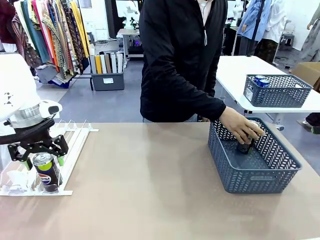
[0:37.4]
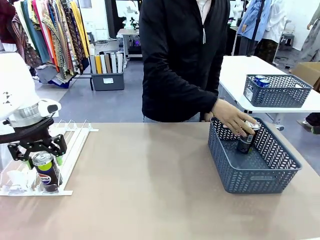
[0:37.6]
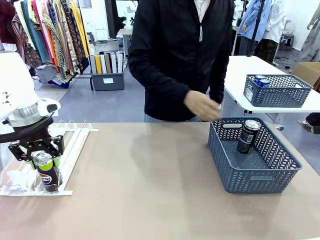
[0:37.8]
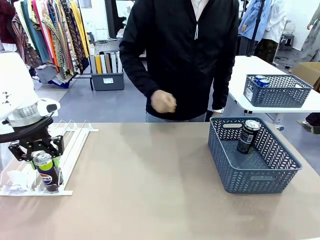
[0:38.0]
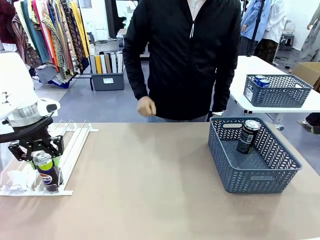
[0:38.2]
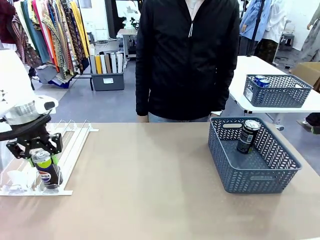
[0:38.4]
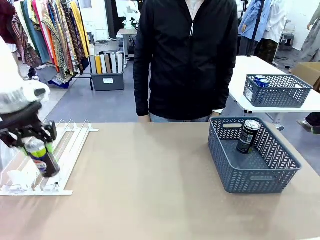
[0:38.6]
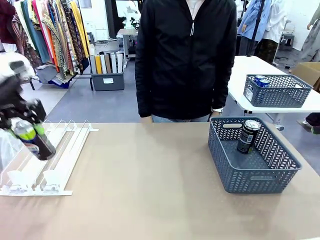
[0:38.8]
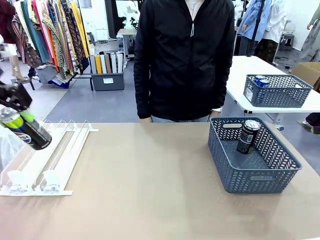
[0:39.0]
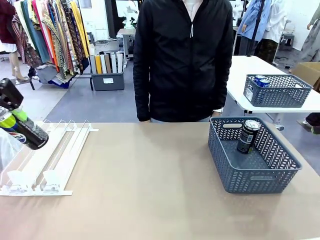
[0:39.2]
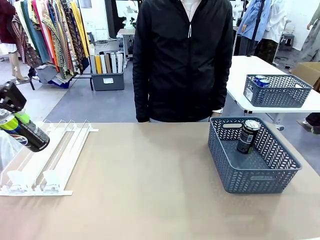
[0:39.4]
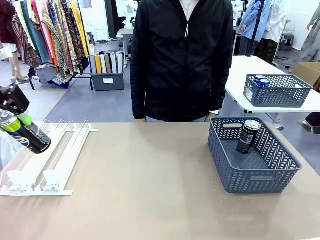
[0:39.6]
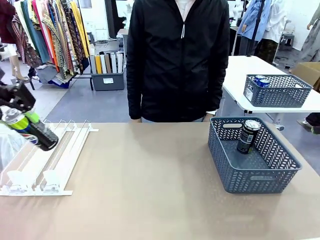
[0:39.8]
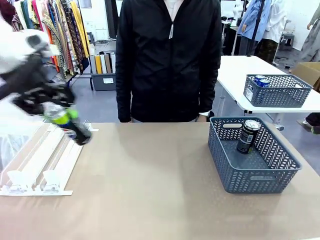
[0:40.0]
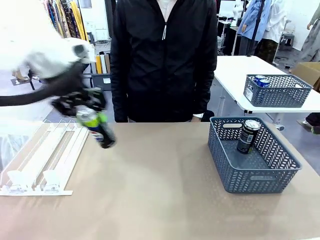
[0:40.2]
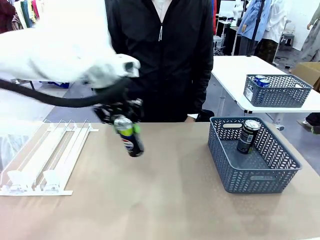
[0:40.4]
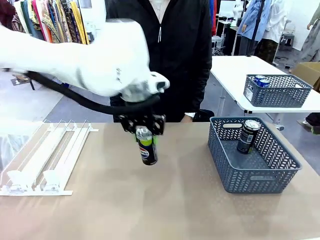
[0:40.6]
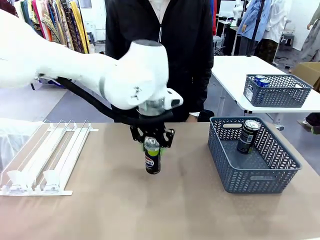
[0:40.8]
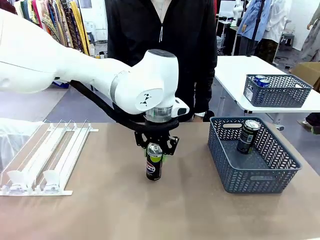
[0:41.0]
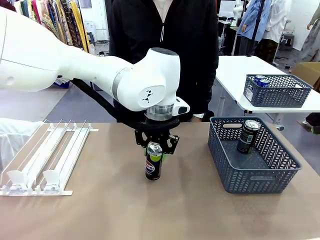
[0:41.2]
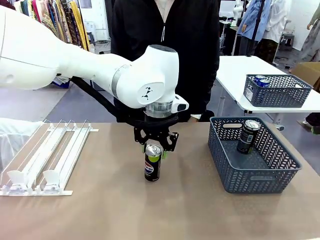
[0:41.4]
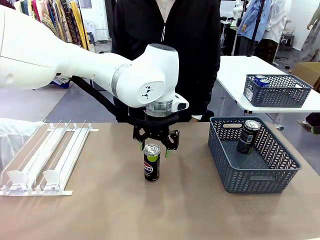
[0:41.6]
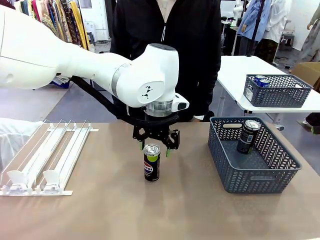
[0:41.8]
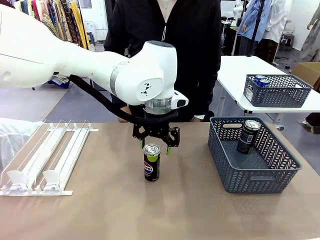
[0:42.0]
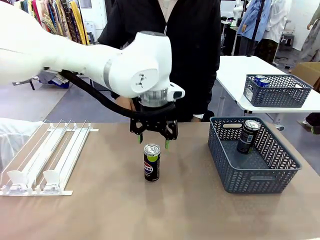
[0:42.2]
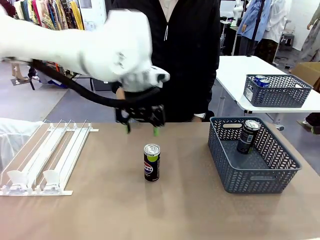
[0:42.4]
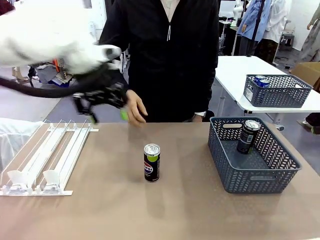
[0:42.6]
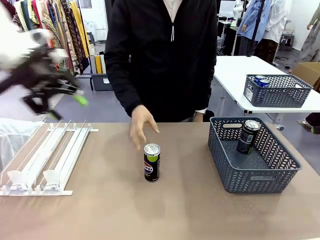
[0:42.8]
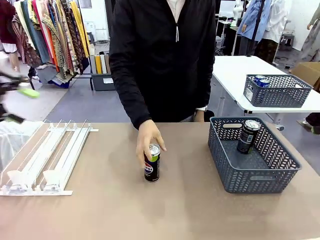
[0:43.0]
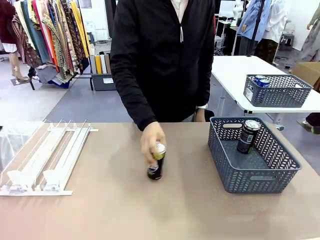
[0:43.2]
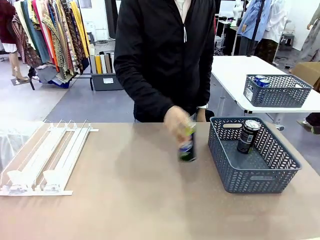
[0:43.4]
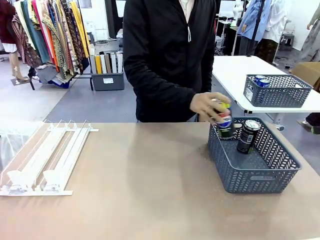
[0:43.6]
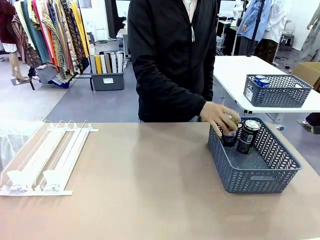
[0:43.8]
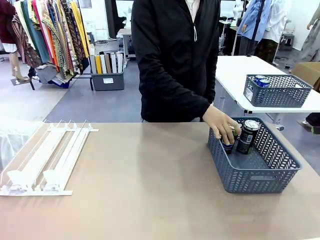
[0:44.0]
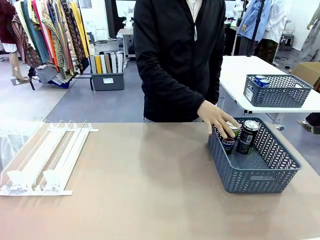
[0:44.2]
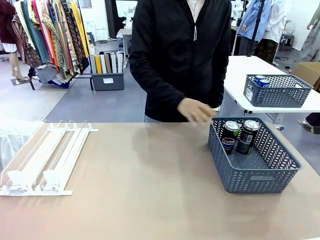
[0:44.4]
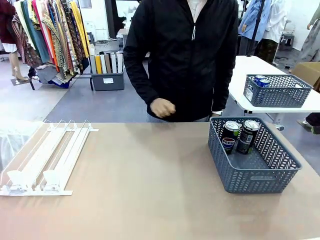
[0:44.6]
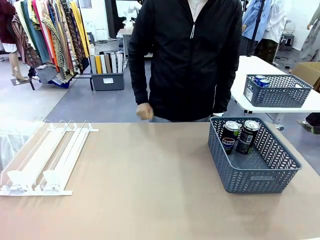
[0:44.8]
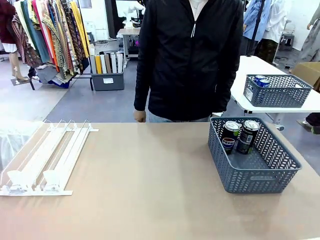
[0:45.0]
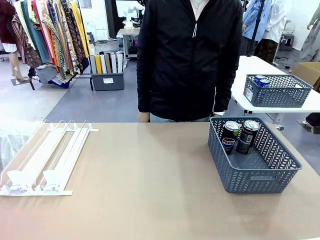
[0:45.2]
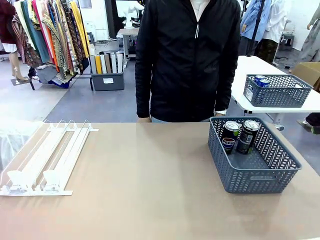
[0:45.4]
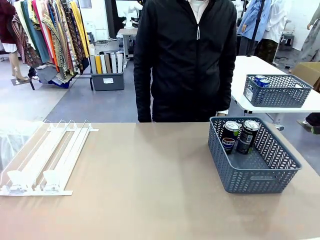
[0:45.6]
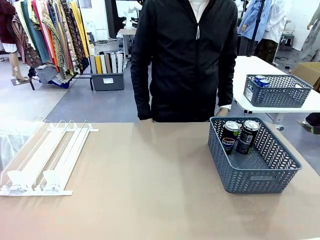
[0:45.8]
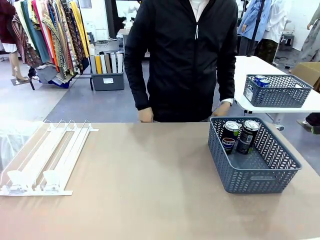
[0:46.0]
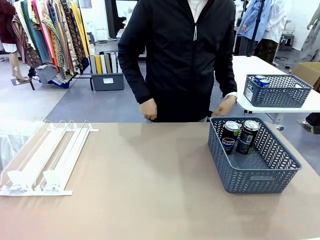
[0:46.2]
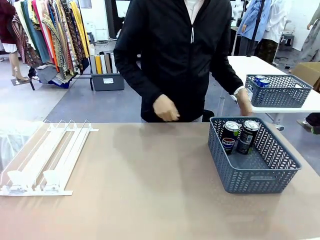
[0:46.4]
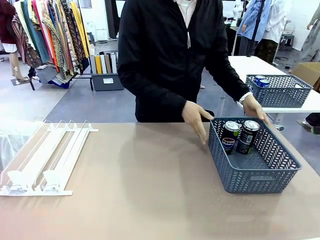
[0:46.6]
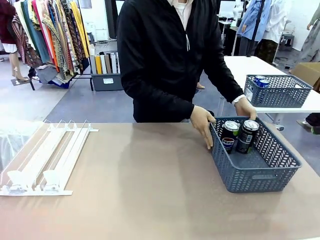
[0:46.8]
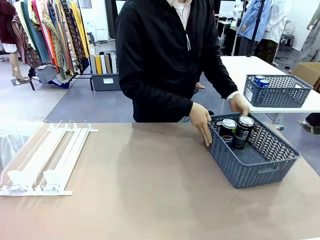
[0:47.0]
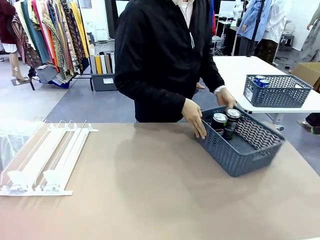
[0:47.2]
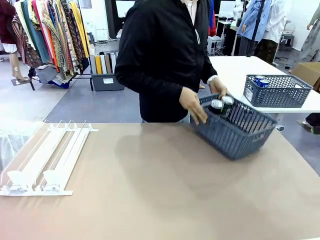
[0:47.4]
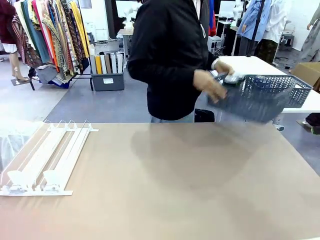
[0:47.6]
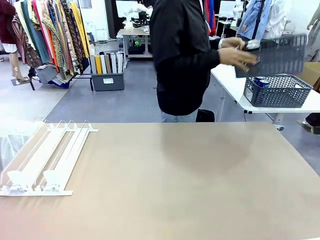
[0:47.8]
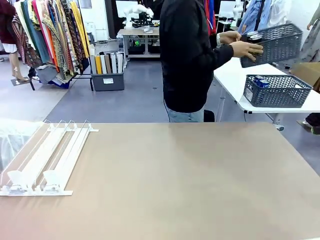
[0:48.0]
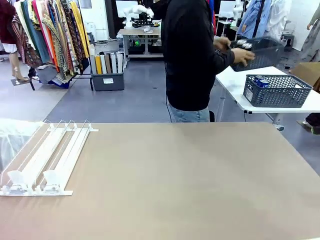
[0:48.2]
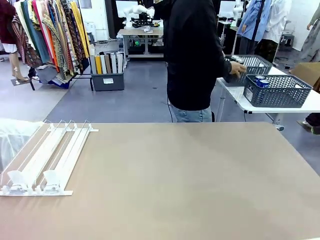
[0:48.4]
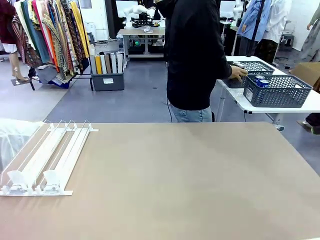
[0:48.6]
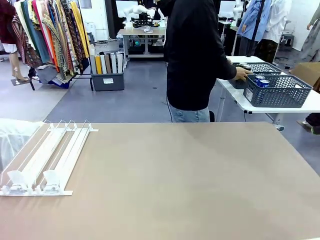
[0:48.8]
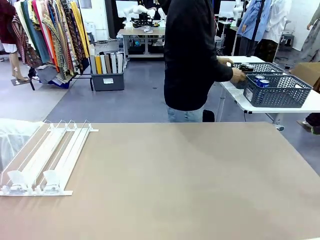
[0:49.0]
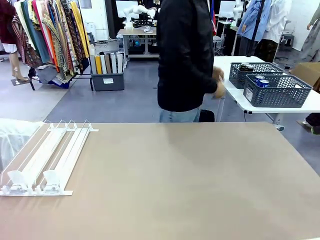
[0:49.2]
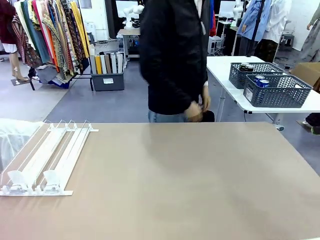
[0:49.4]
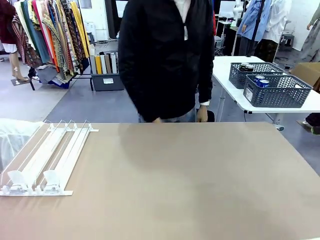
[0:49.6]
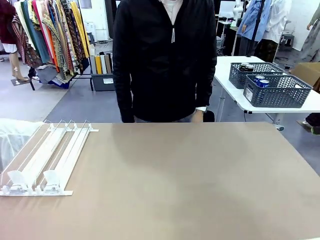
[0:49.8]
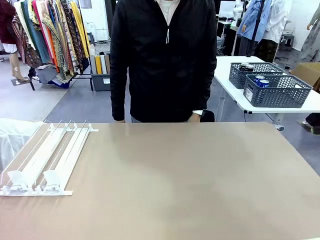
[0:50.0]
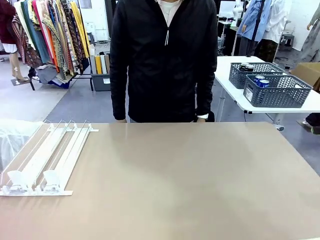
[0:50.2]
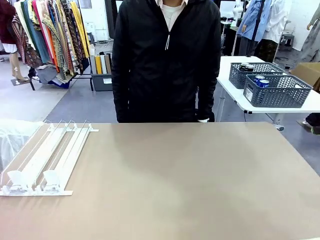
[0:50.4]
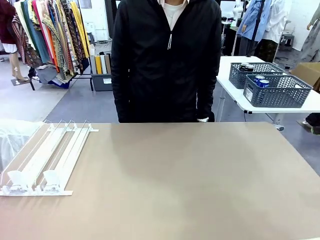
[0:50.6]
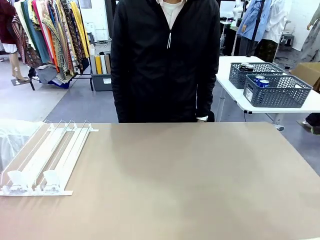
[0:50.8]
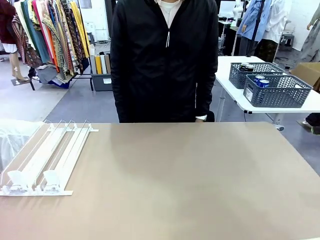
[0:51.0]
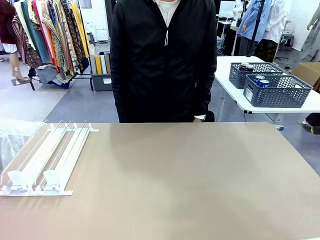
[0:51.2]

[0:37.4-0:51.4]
Task: Retrieve and store the cans from the dispenser.
Robot: Pick up one can from the Automatic Can Dispenser and place it in the middle of the table.
Person: Pick up one sports drink can from the middle of the robot table and place it in the basket. Pick up the basket and place it in the middle of the human table.

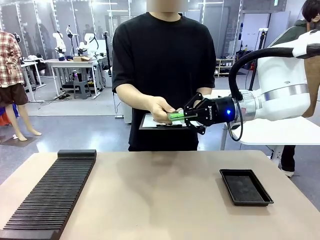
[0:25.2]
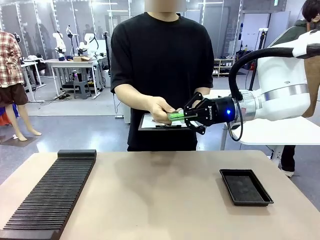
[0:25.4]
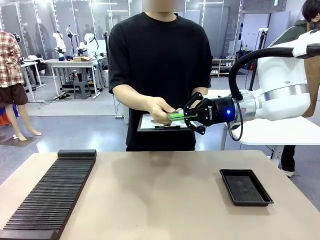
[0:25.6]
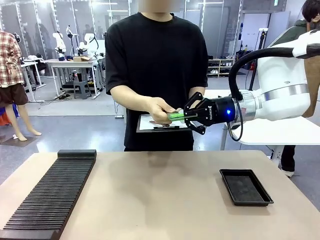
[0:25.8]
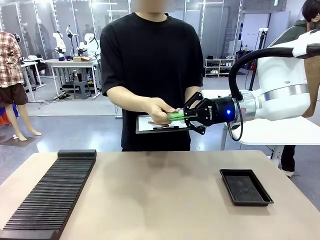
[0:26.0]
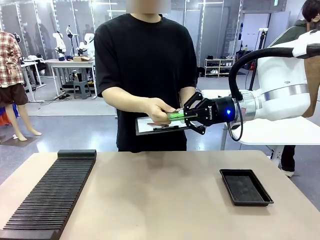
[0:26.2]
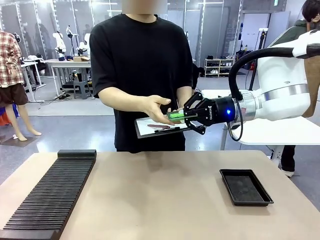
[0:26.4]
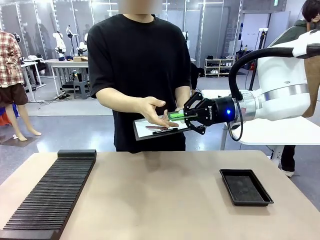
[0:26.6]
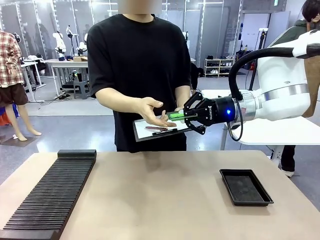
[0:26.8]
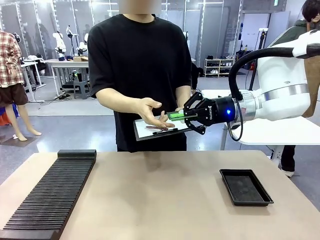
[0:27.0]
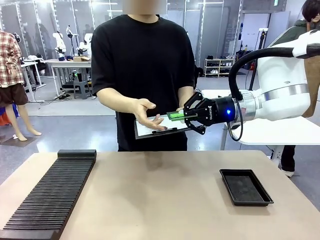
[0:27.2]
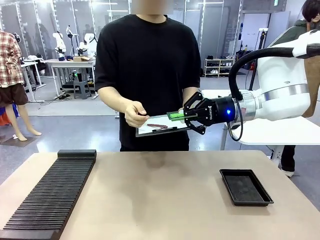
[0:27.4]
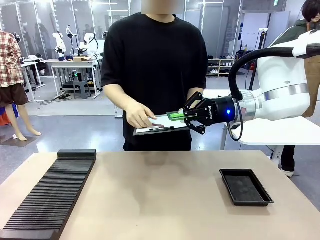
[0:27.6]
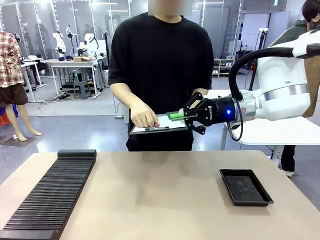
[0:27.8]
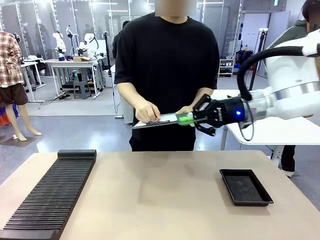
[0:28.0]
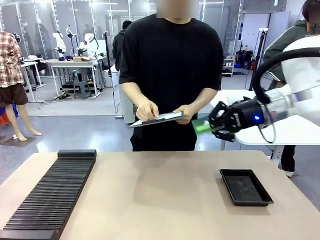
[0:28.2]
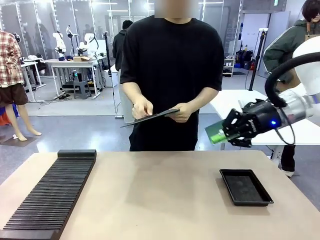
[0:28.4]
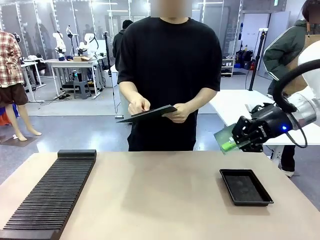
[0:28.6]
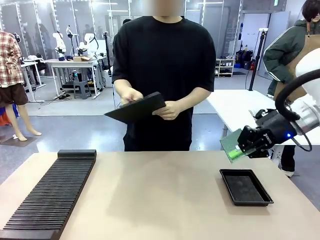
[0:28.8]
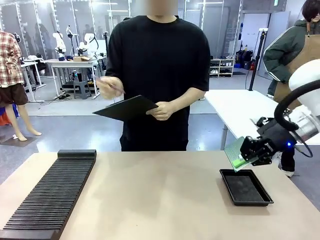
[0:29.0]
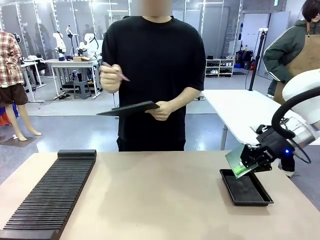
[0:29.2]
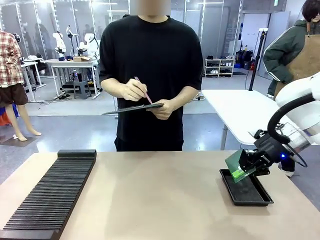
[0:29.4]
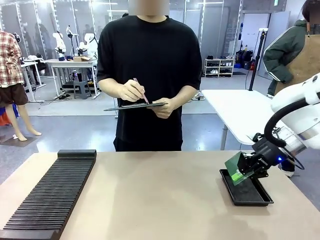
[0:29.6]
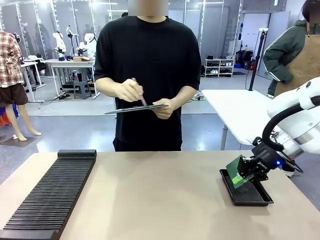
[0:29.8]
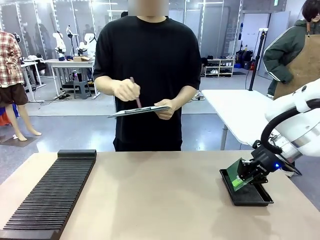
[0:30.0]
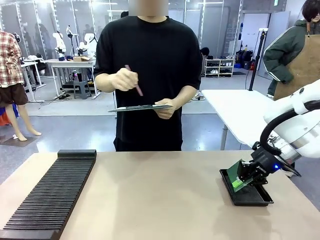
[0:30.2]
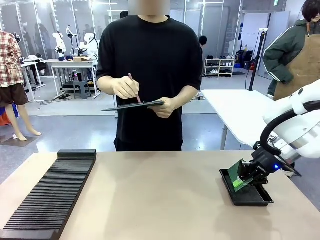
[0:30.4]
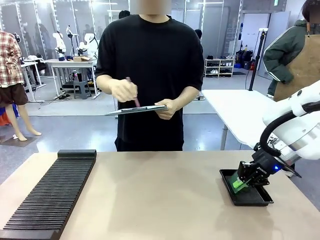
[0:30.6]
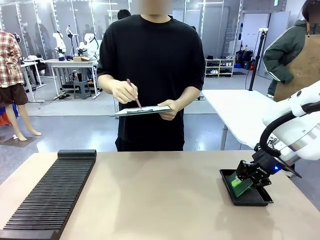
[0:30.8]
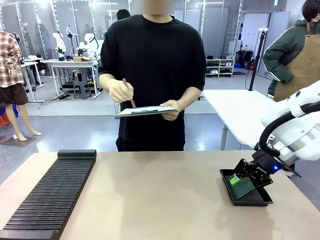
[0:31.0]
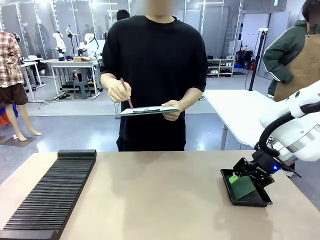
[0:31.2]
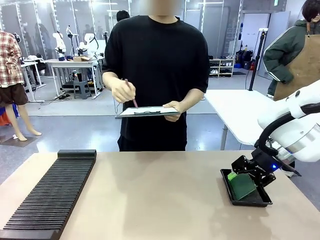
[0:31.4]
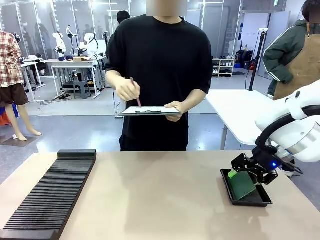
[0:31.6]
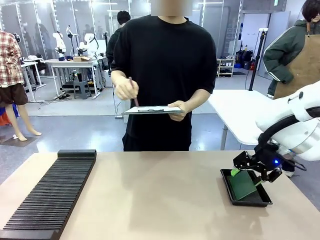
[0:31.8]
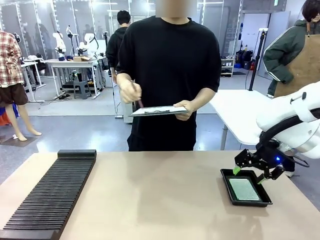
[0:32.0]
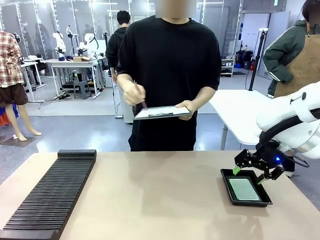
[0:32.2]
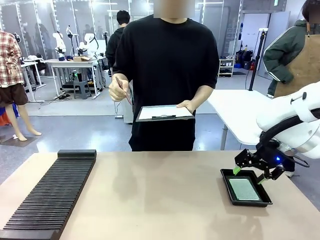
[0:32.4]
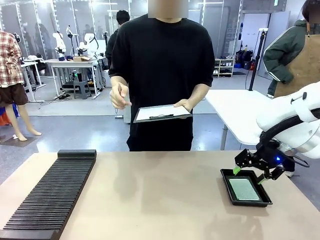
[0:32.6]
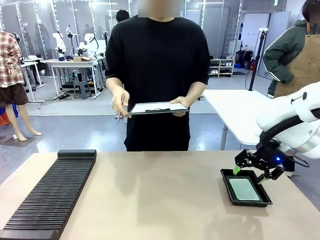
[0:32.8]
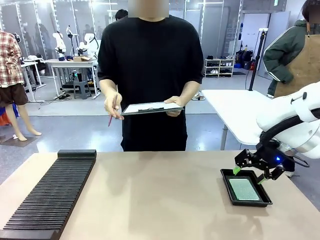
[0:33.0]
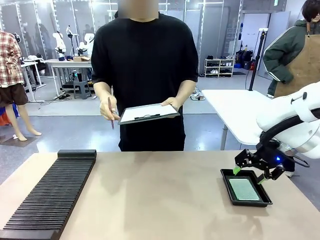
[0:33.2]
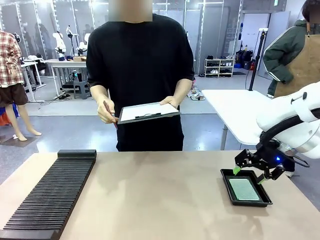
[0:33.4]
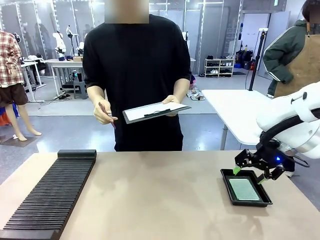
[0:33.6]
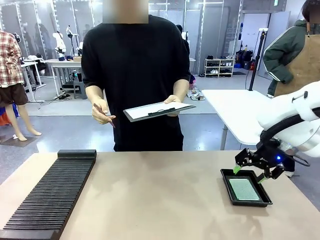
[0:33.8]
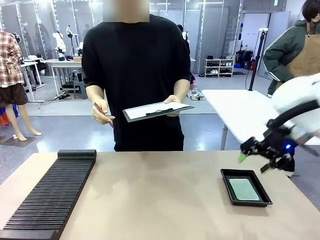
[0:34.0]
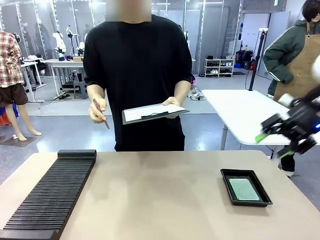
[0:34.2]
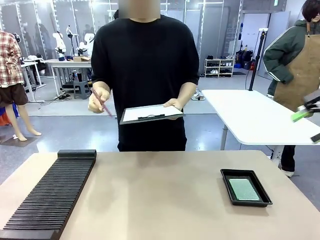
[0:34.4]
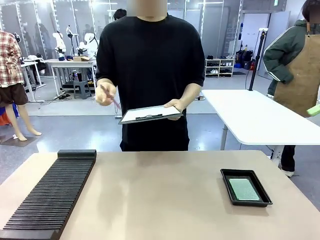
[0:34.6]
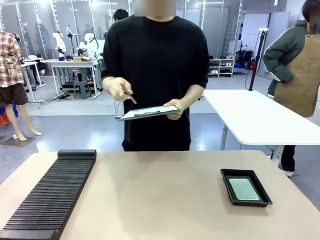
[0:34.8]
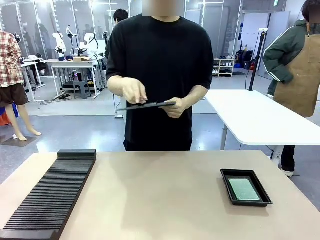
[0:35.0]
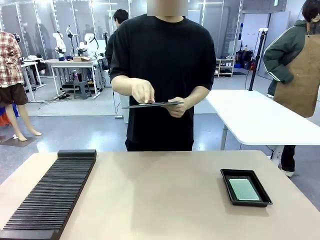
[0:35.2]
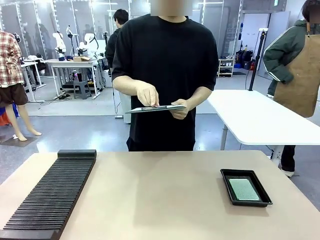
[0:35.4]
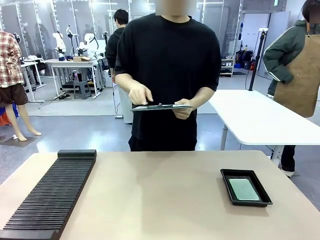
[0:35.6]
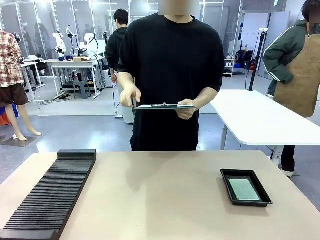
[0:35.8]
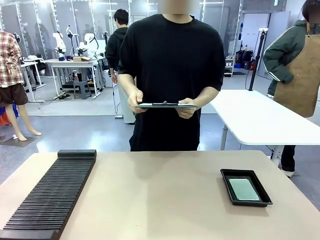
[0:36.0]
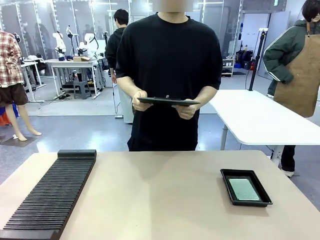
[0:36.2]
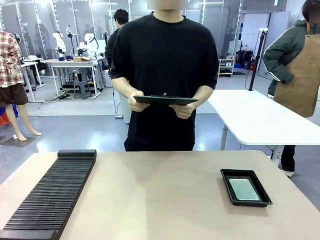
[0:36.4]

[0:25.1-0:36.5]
Task: Inspect the PCB.
Robot: Place the Blank PCB in the ESD tray.
Person: Record the PCB status on the paper.
